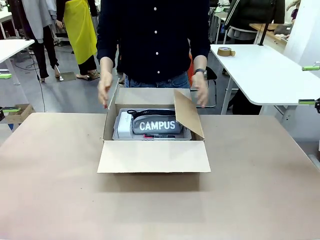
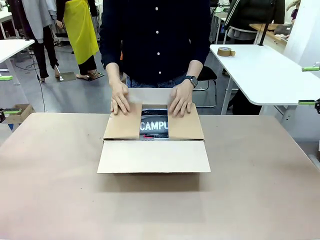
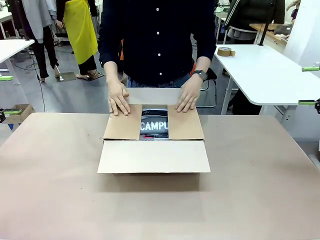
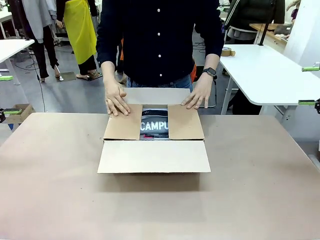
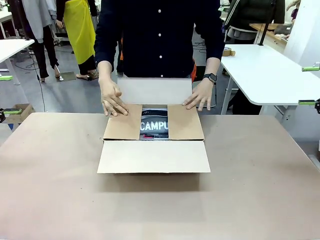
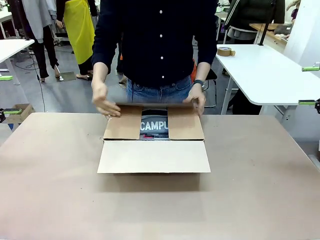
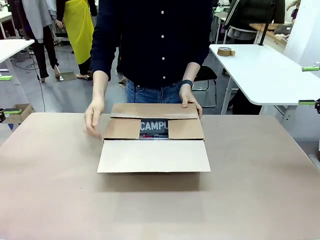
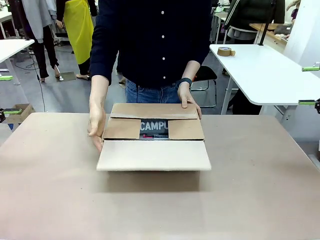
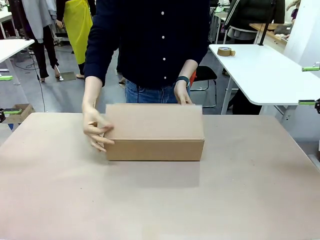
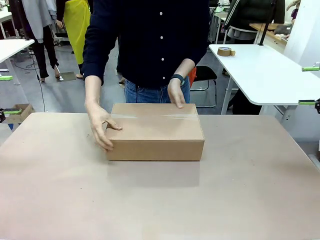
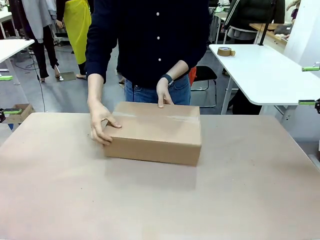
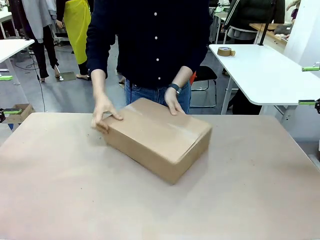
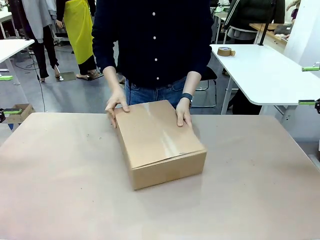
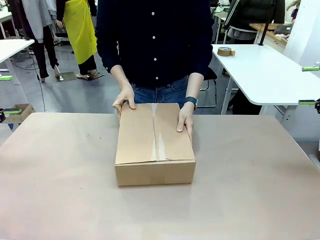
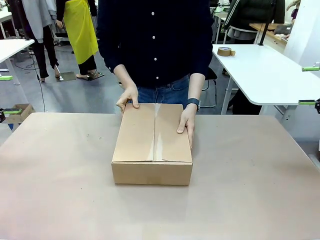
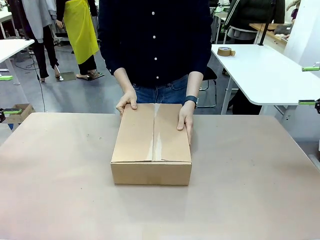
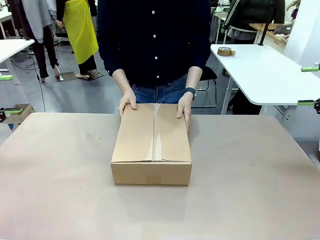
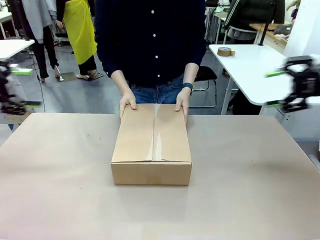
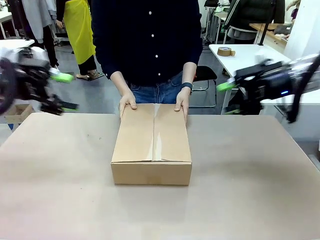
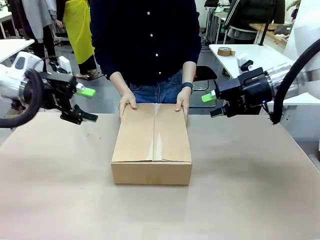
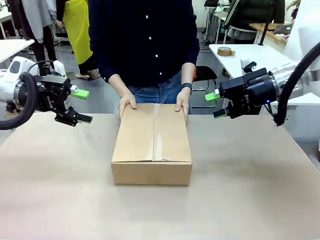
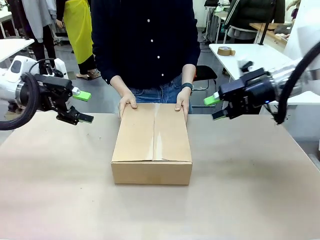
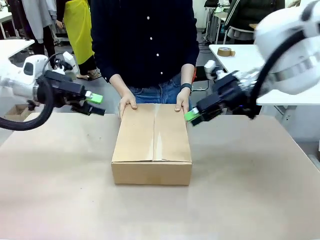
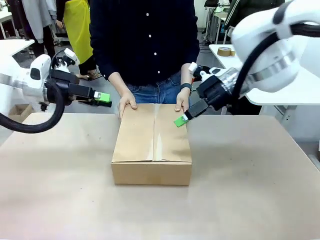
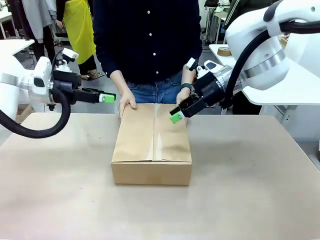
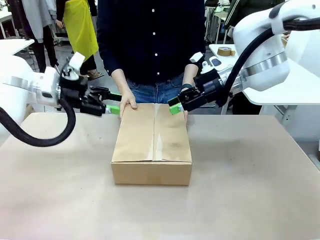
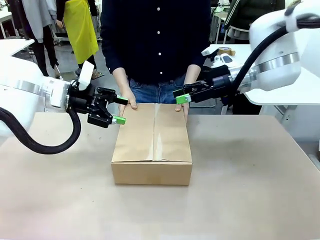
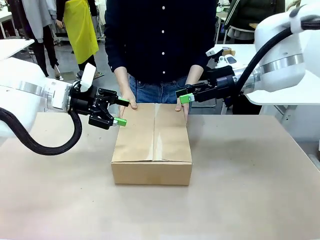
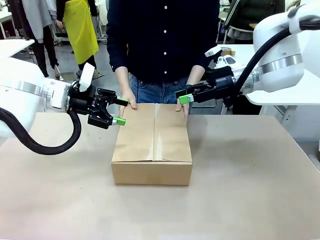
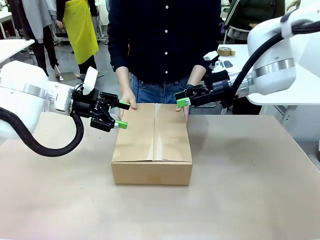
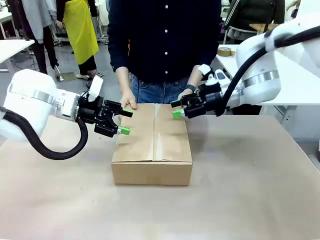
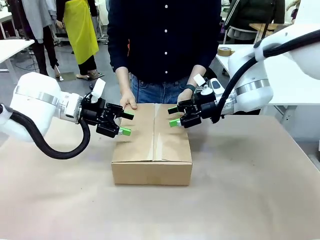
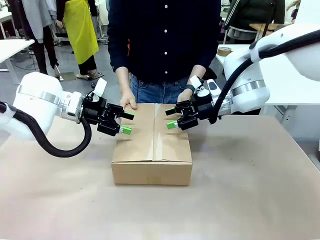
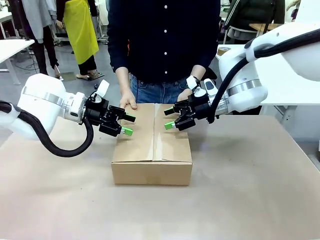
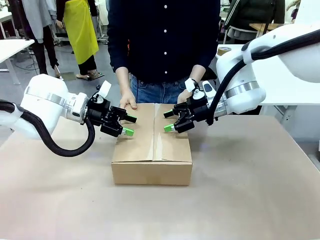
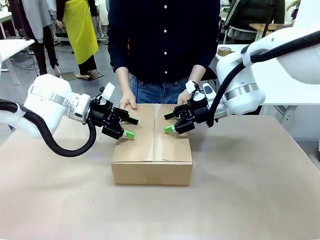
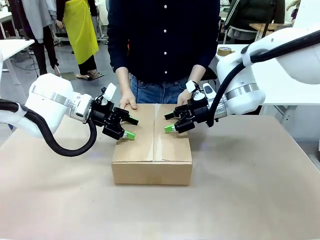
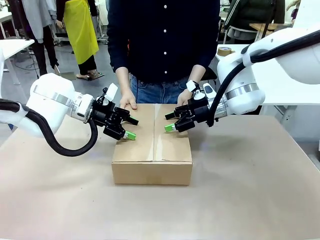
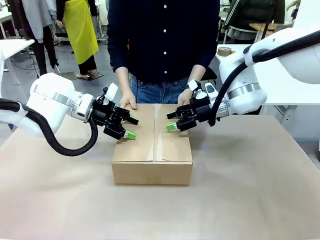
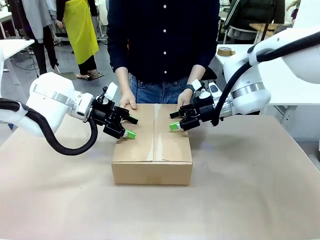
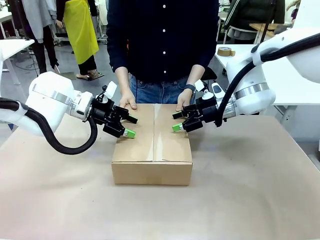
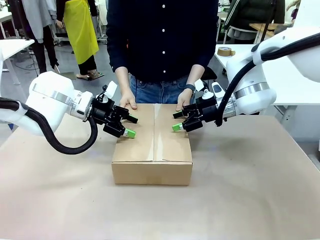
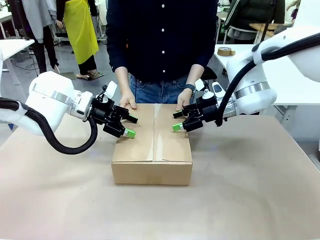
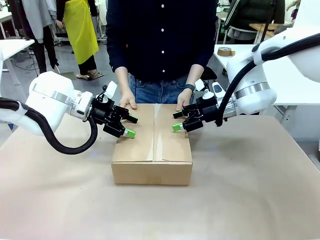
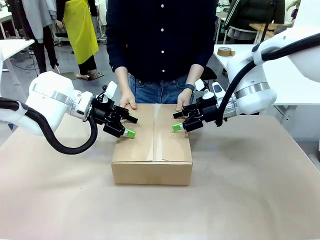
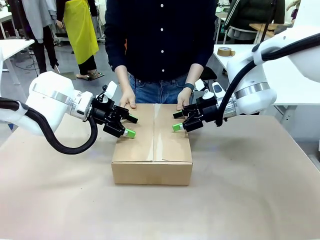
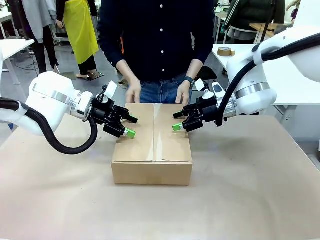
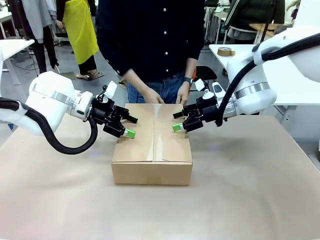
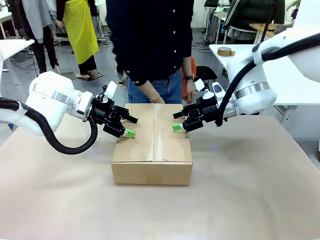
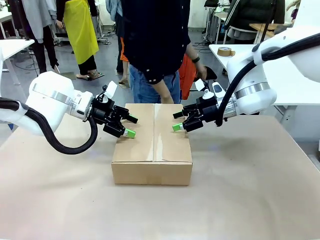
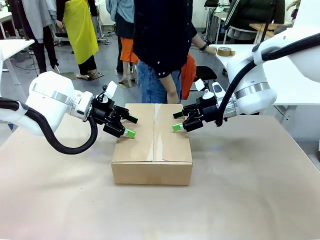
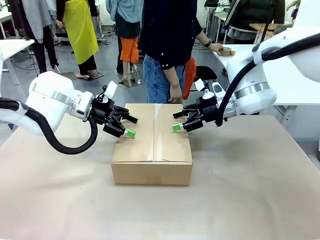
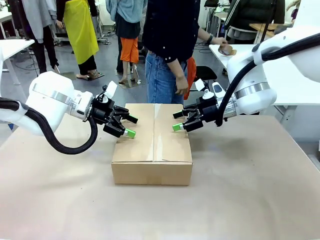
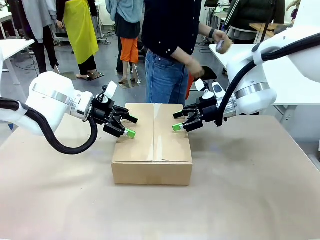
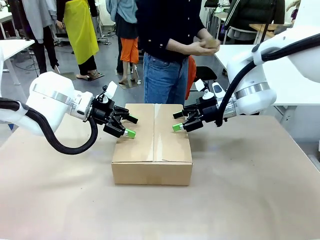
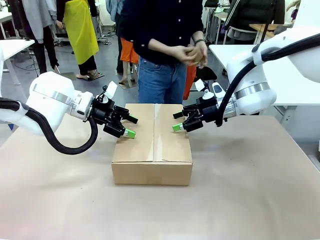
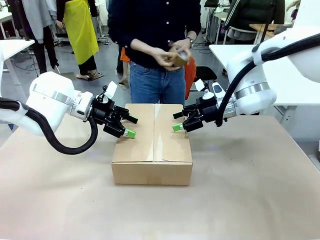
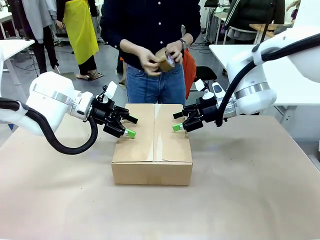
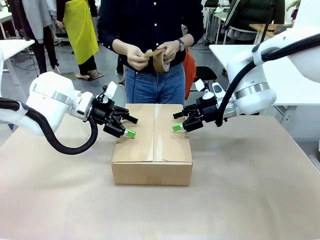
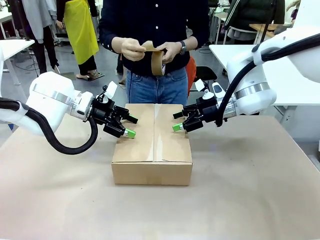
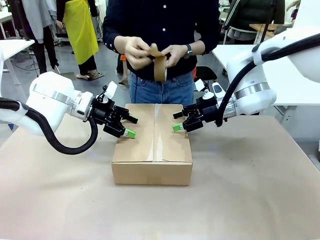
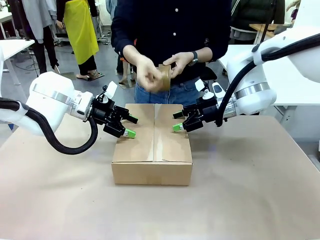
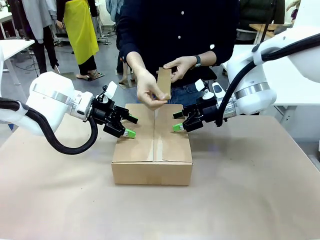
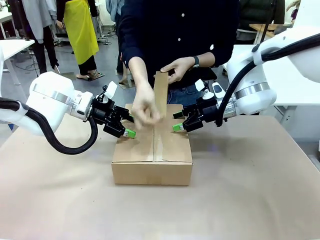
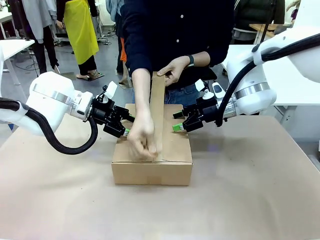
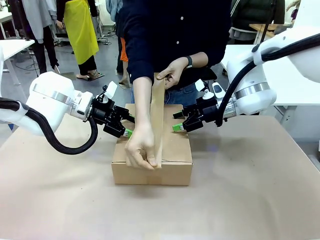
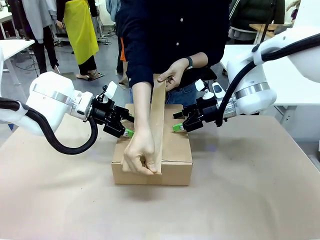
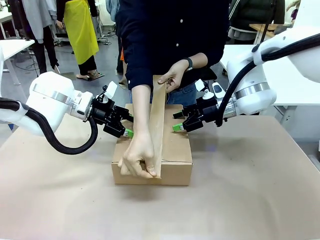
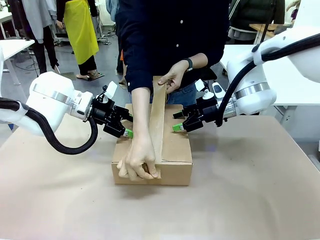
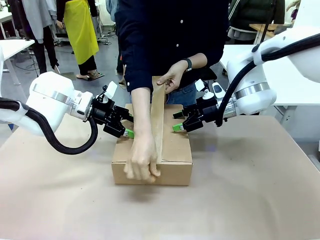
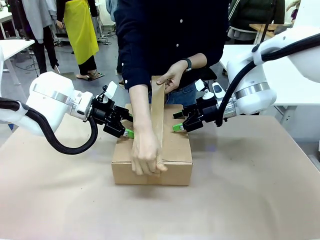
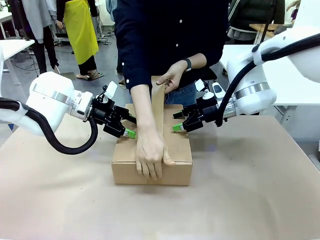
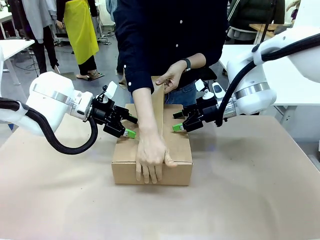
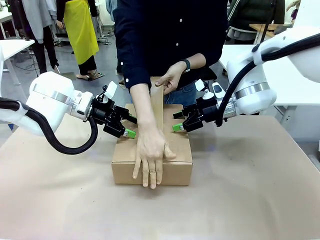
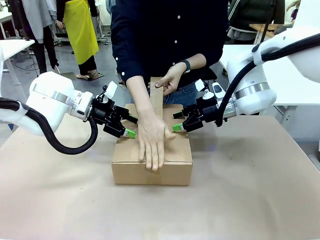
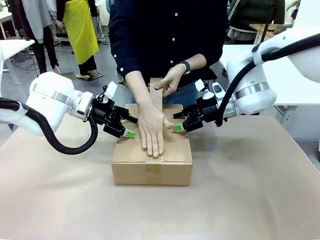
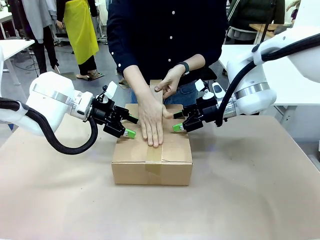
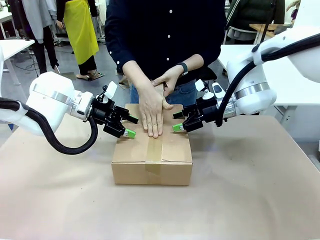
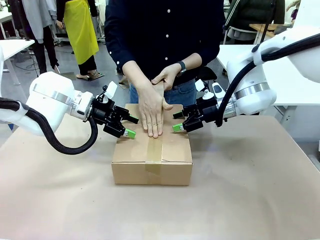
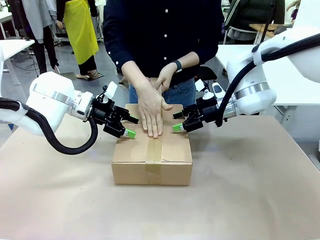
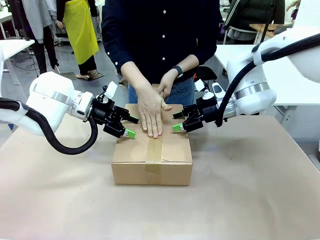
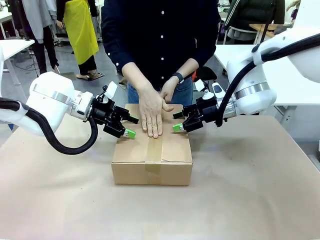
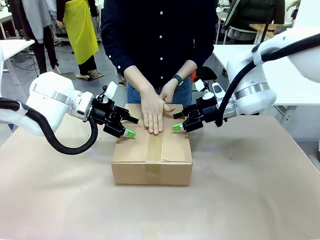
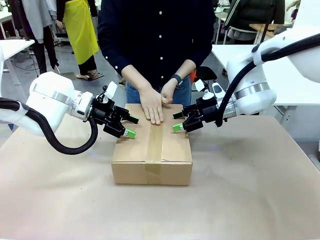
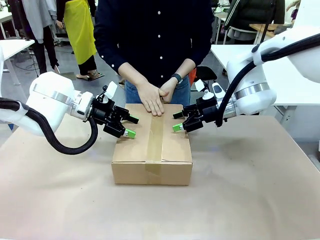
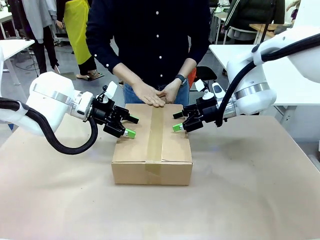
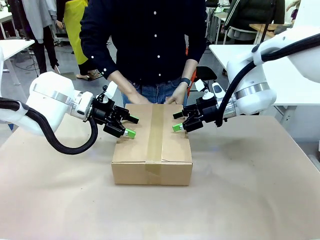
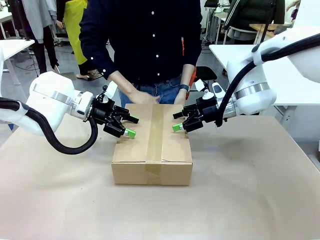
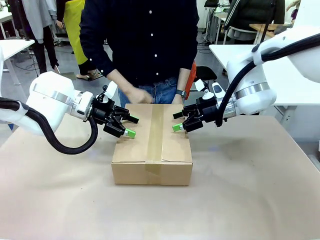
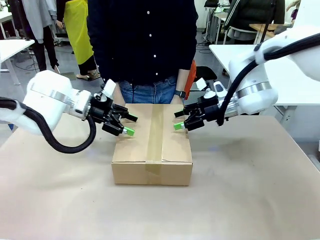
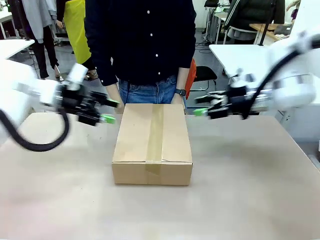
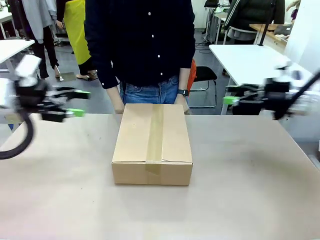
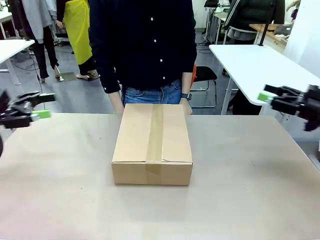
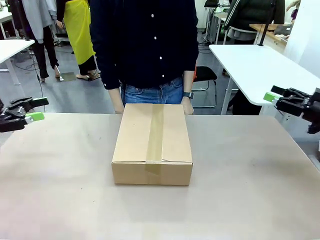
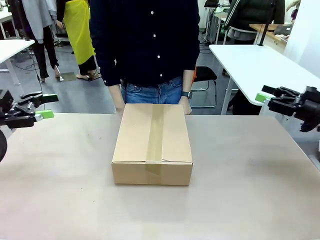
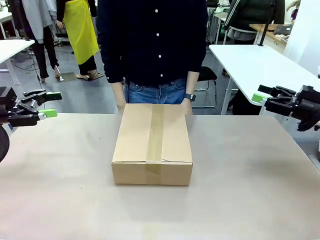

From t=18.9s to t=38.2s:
Task: Pack the gift set into the box.
Robot: Press and hold the closed box until the human finishes sealing it.
Person: The human closes the box and rotates the box by 90 degrees. The human picks up the paper tape from the human table and packs the box.
